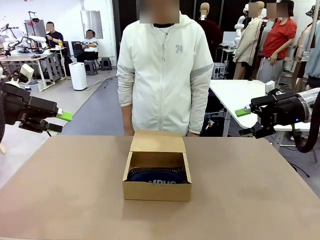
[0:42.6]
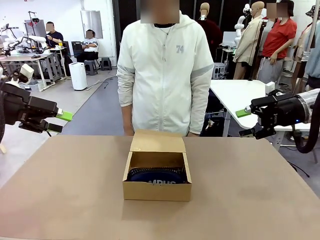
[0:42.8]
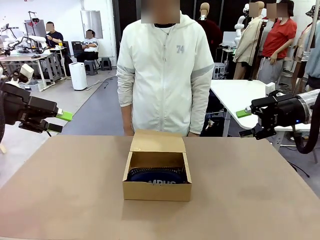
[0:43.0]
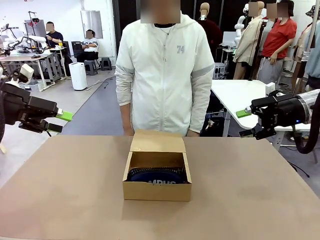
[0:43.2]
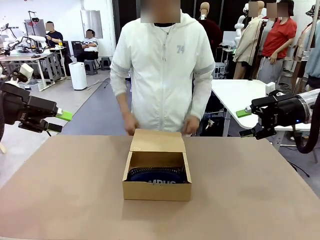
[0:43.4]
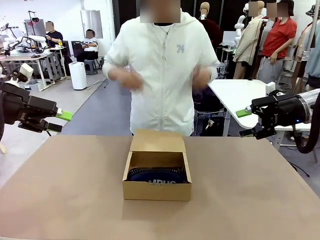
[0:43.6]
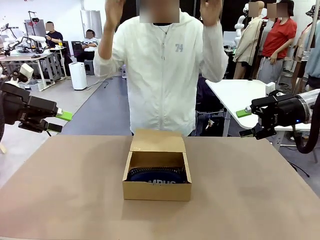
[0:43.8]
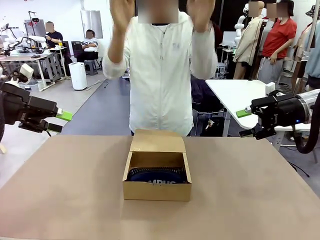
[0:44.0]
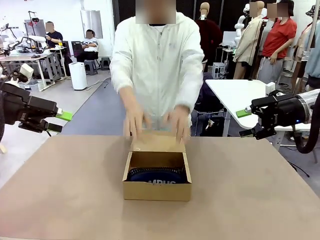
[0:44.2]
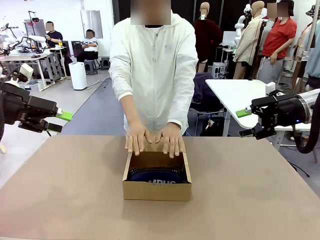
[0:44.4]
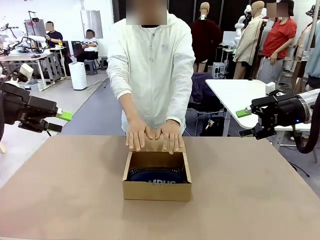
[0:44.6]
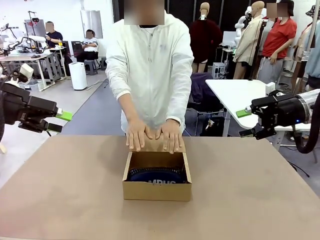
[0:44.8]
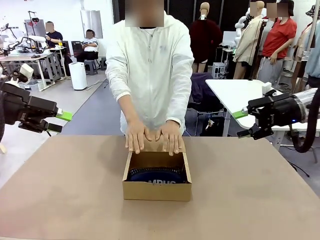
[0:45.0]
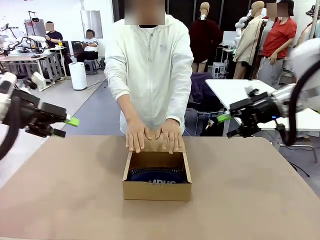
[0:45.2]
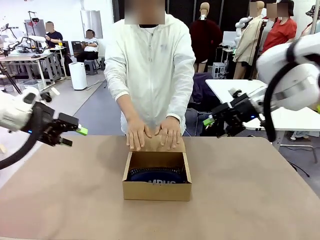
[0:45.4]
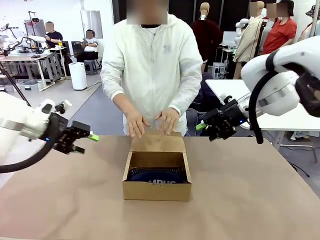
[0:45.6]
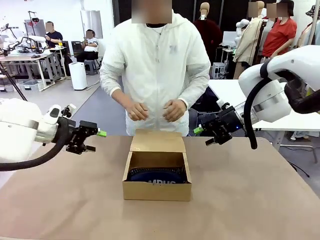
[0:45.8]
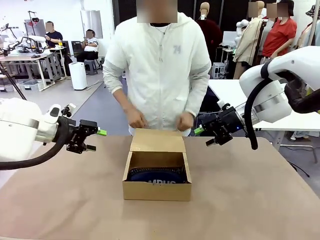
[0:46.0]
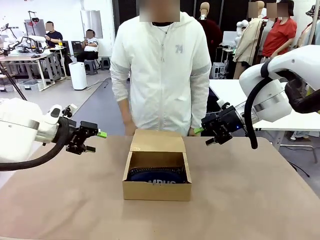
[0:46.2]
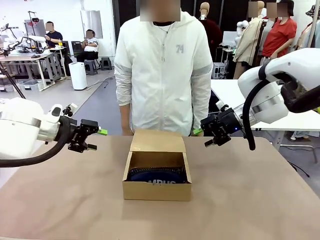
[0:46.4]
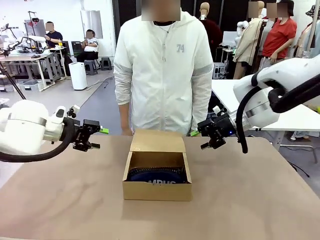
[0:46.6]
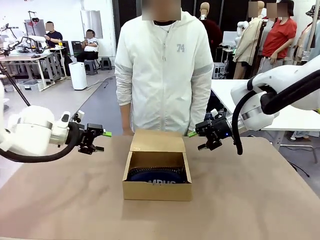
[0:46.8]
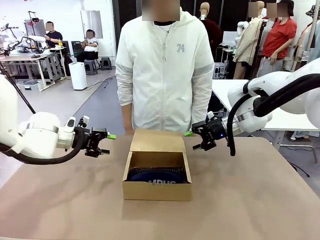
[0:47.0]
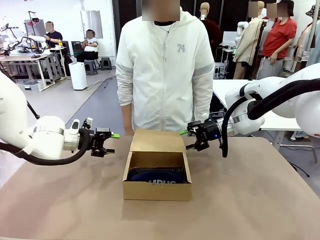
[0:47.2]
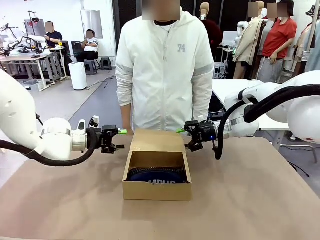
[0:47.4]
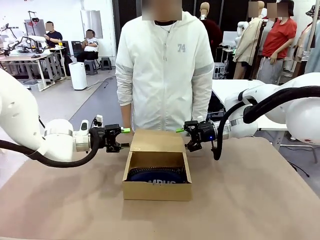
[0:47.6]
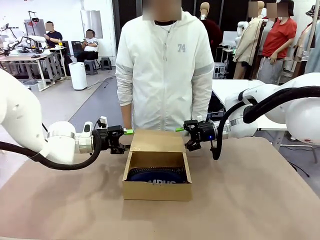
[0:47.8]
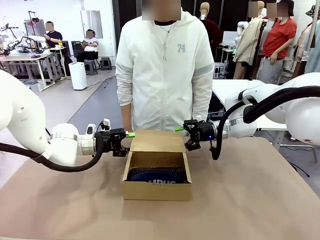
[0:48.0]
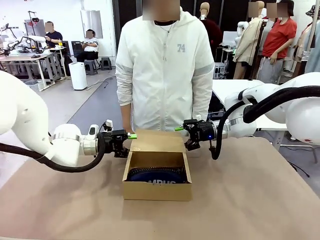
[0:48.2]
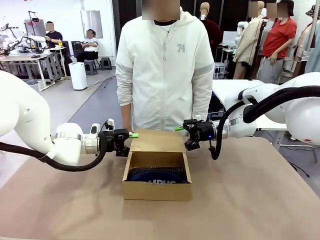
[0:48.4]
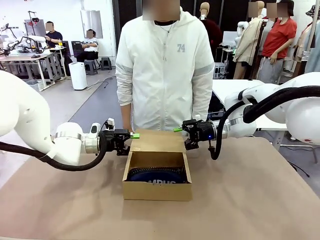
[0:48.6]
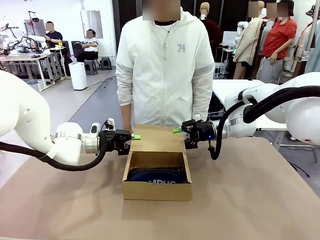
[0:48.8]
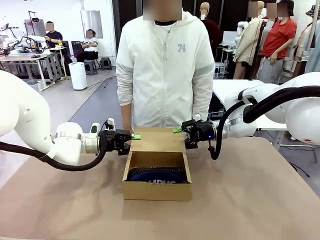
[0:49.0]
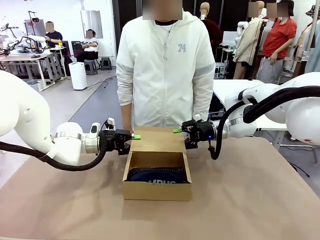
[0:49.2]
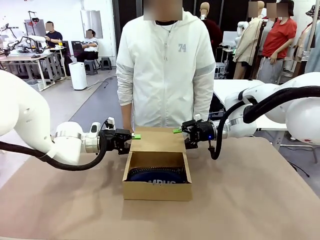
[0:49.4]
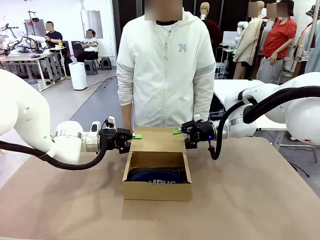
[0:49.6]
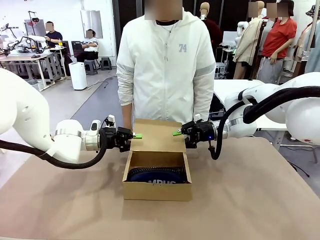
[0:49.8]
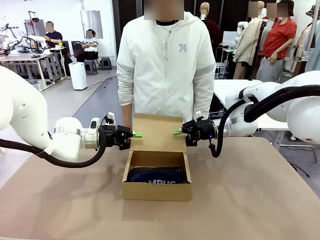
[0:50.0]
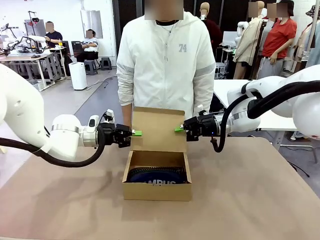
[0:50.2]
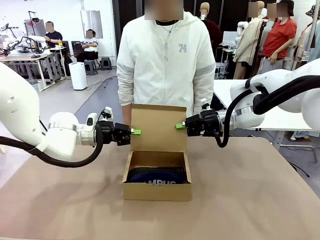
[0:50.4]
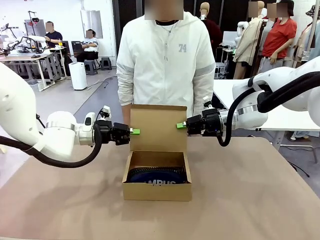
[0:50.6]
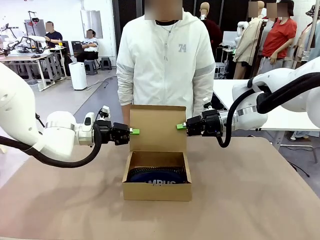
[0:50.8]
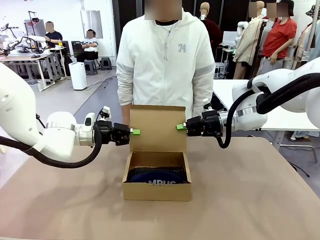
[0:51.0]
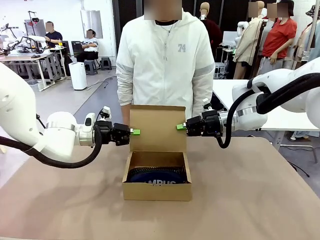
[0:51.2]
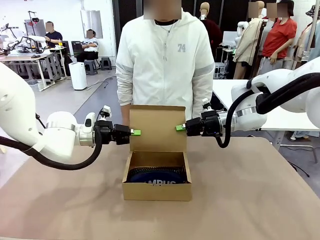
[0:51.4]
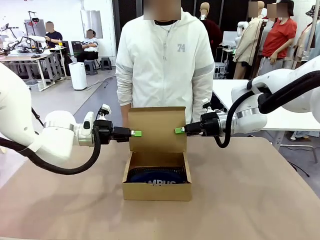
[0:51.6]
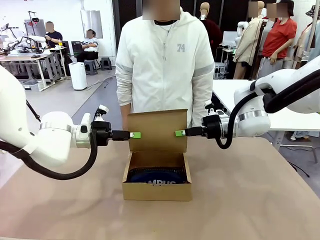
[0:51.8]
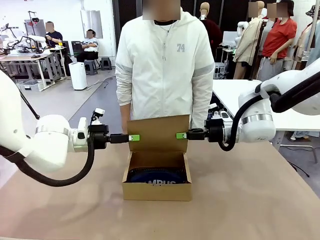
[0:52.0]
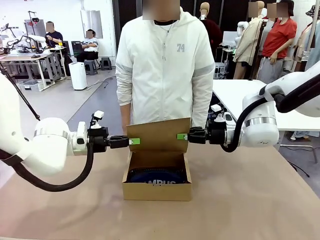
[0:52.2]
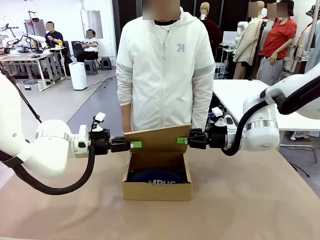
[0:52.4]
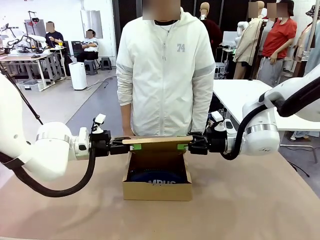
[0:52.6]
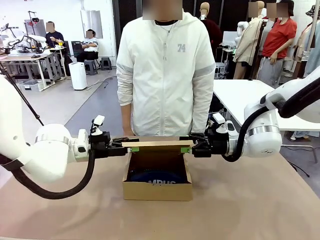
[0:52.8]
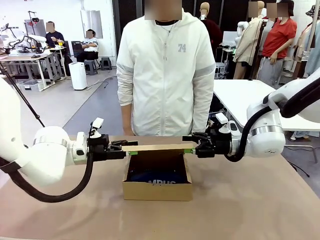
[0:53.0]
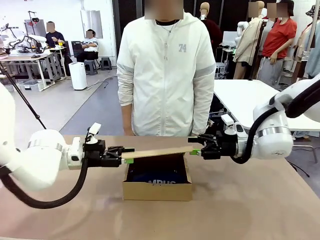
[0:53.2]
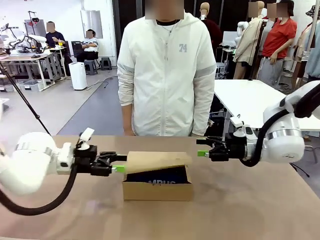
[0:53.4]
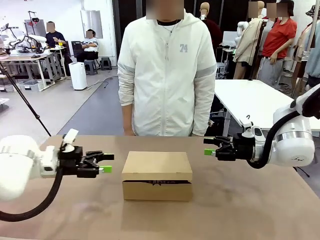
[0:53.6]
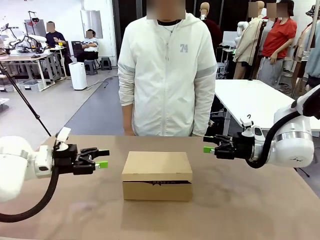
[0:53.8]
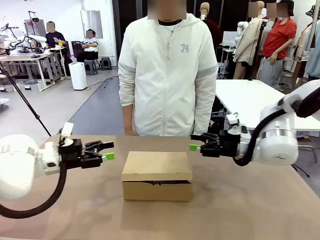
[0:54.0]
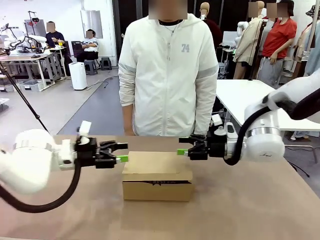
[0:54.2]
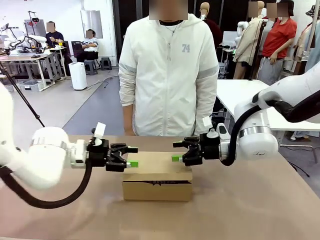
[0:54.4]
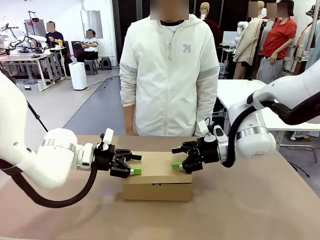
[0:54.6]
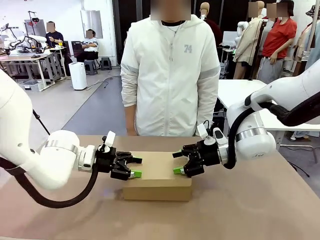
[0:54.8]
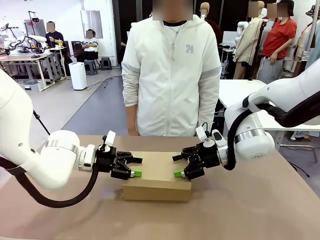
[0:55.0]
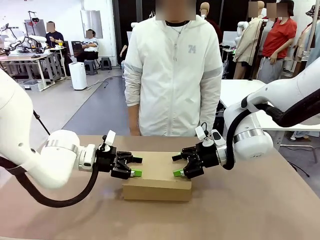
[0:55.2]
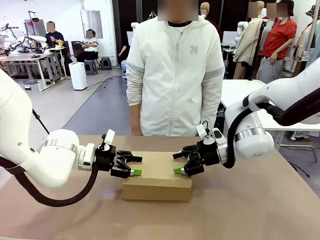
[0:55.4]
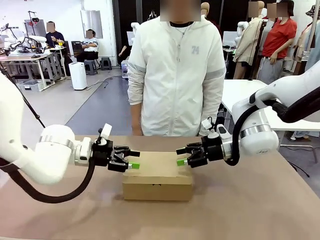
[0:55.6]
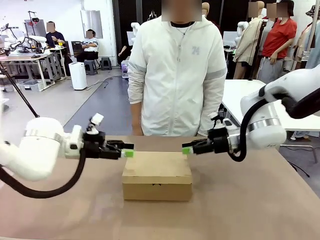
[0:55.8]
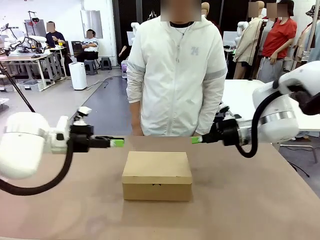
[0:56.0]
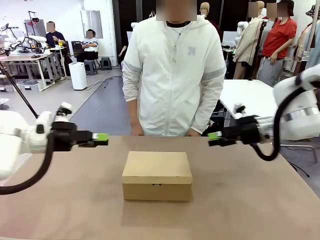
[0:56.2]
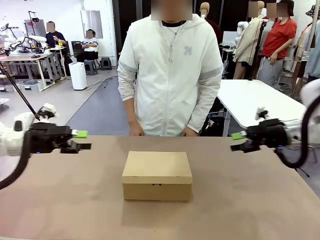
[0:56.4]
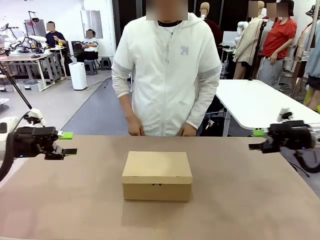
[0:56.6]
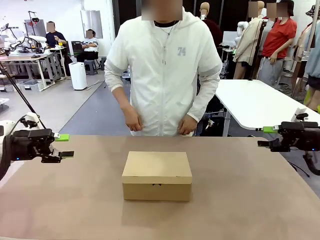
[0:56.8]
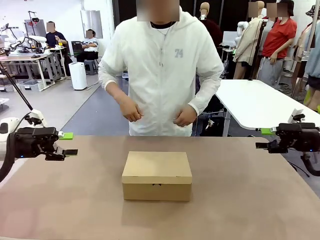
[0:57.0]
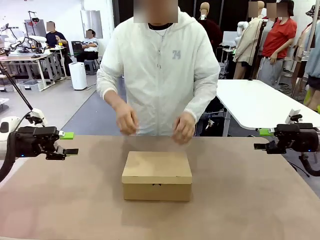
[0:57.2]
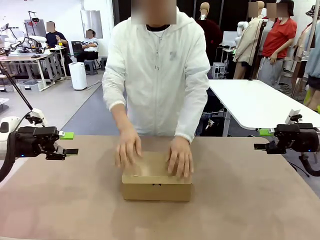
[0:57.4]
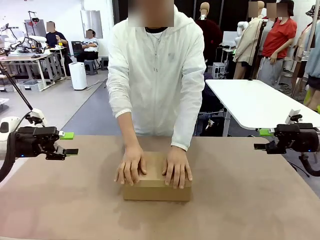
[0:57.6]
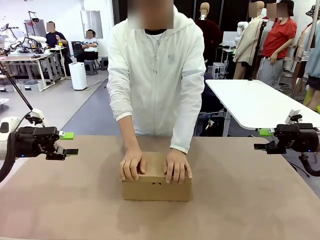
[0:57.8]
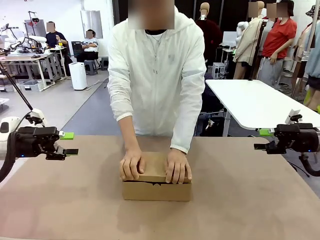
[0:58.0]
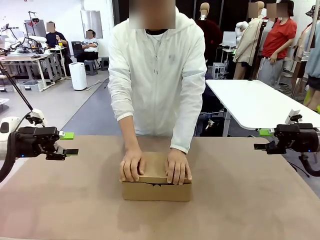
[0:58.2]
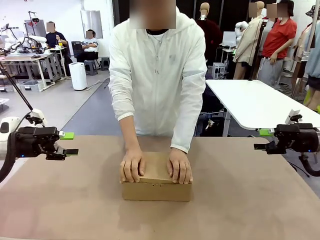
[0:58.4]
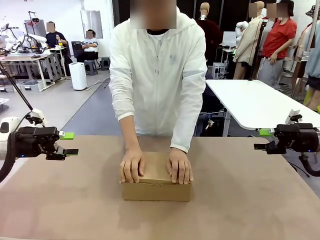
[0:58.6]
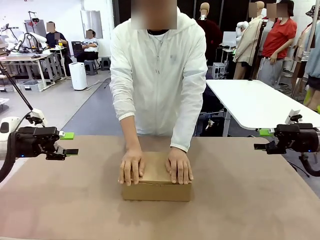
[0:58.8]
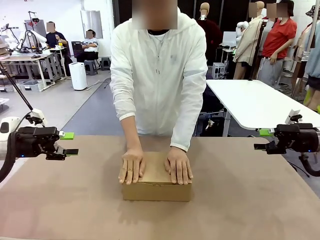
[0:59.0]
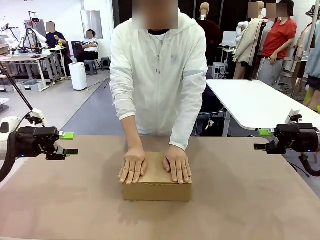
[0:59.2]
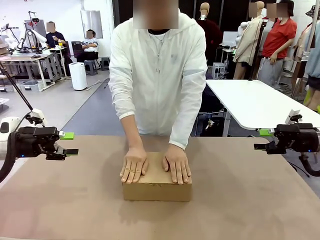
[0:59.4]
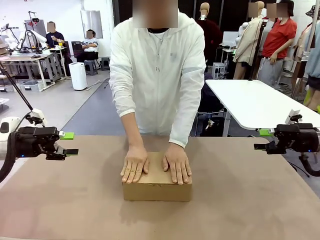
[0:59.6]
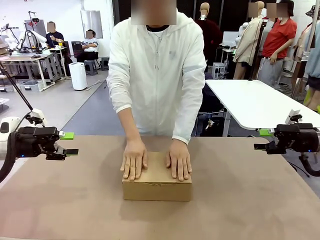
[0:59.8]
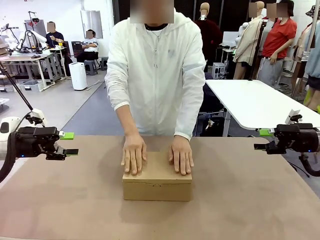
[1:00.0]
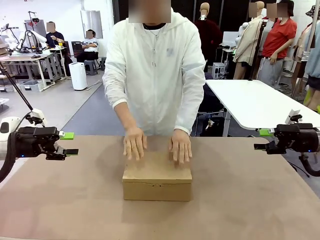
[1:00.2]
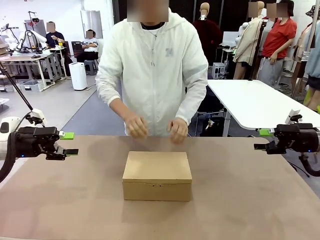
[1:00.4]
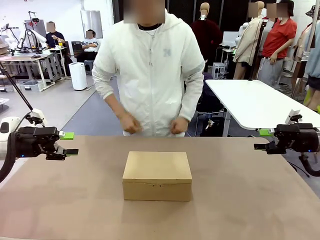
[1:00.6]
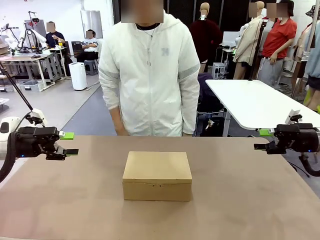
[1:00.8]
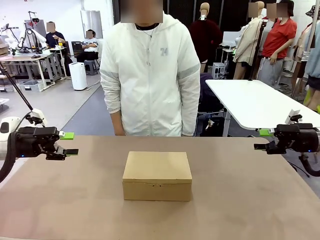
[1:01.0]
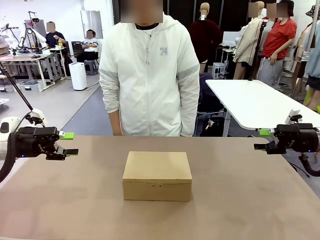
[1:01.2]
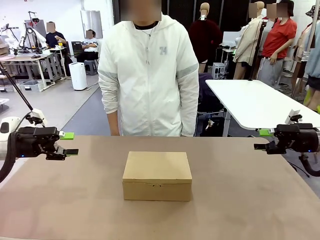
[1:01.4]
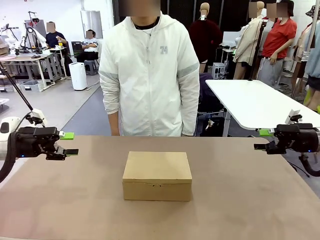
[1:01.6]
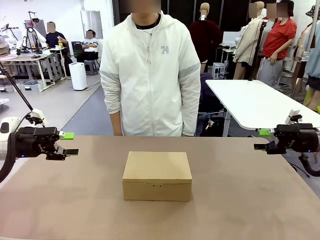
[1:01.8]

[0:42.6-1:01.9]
Task: Pack the items into the box.
Robot: Close the Mailer Box.
Person: Turn the box and lock it.
